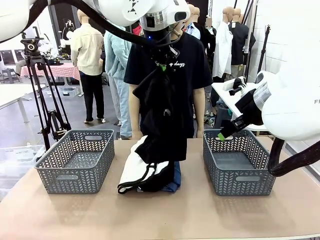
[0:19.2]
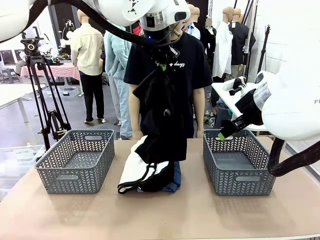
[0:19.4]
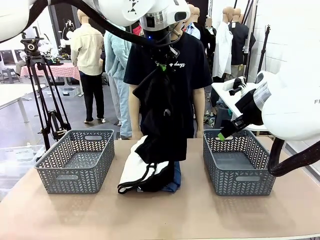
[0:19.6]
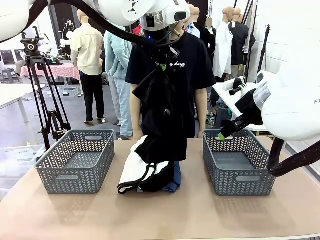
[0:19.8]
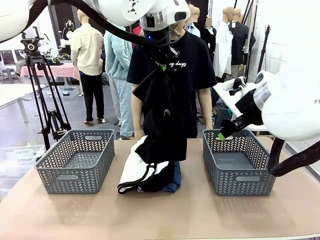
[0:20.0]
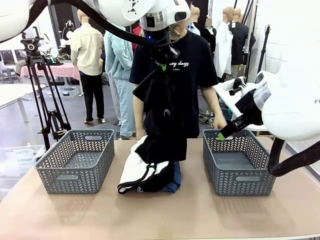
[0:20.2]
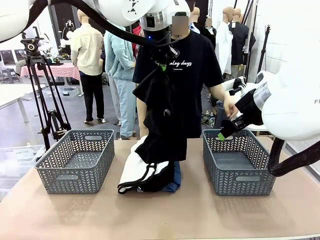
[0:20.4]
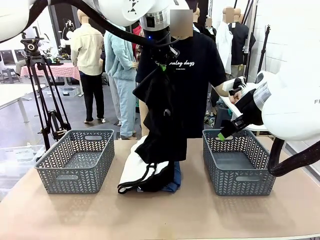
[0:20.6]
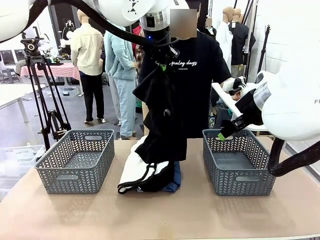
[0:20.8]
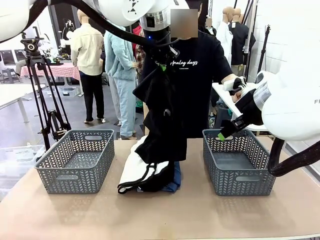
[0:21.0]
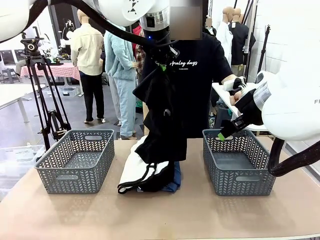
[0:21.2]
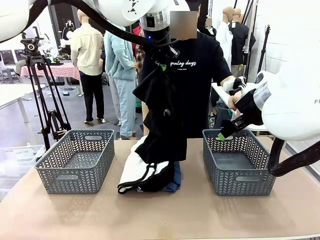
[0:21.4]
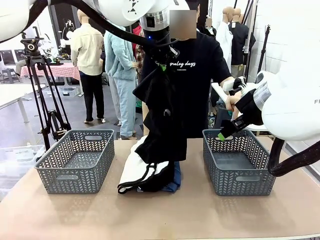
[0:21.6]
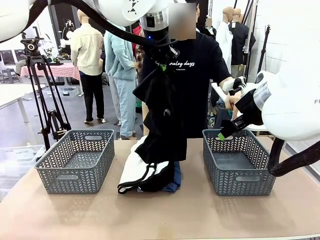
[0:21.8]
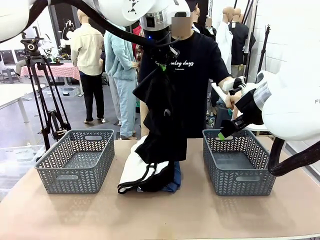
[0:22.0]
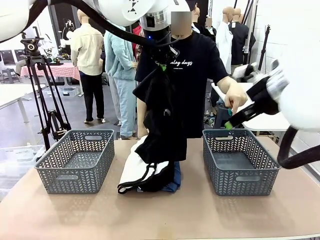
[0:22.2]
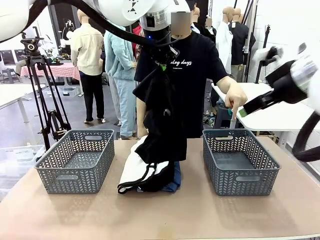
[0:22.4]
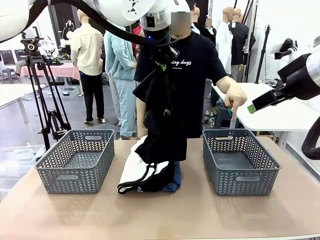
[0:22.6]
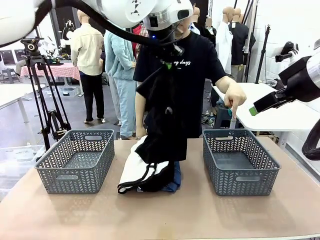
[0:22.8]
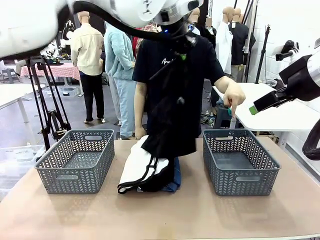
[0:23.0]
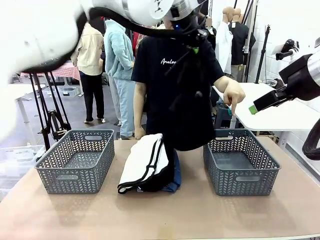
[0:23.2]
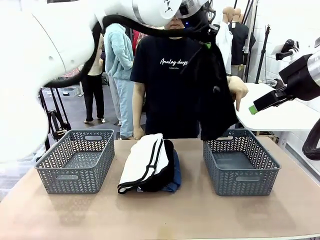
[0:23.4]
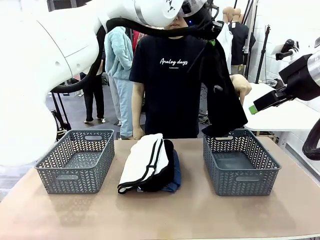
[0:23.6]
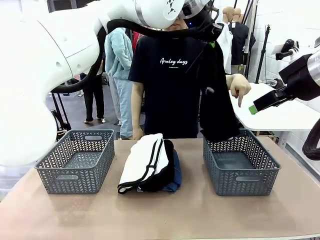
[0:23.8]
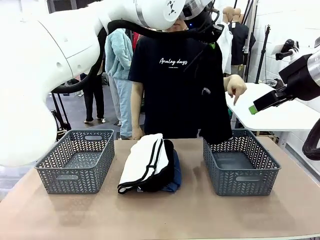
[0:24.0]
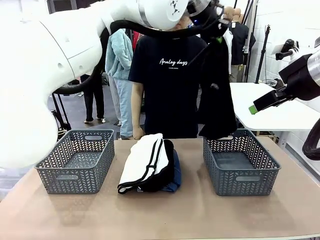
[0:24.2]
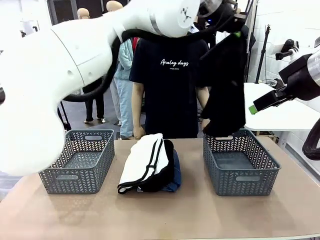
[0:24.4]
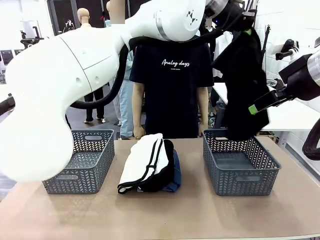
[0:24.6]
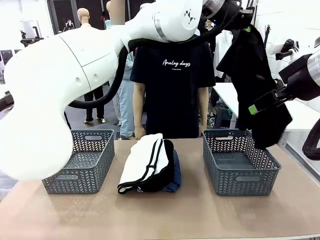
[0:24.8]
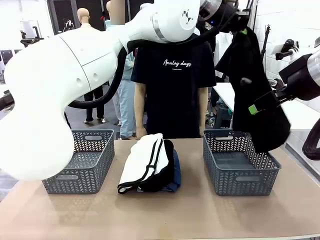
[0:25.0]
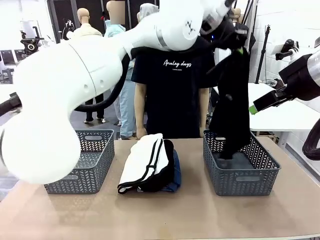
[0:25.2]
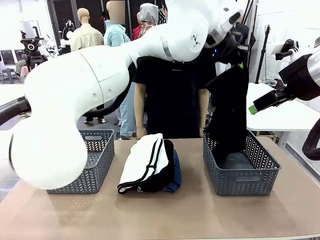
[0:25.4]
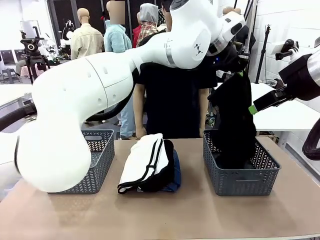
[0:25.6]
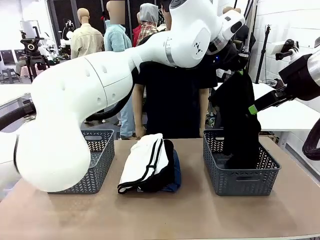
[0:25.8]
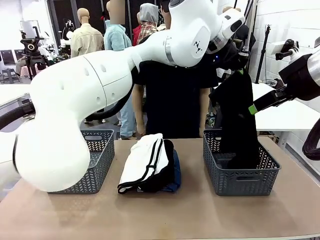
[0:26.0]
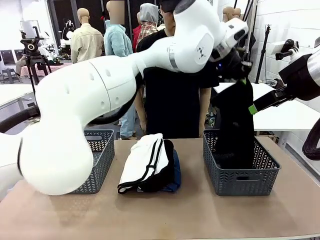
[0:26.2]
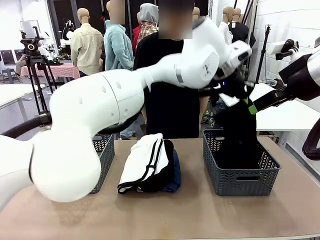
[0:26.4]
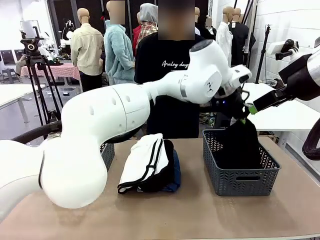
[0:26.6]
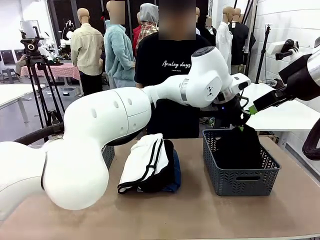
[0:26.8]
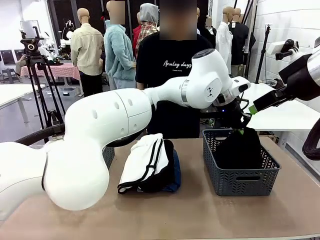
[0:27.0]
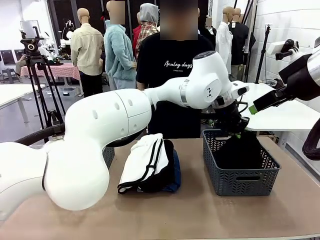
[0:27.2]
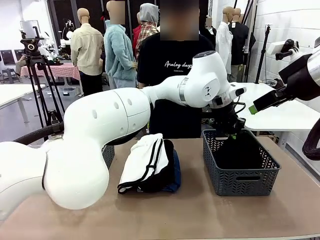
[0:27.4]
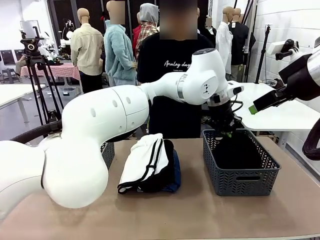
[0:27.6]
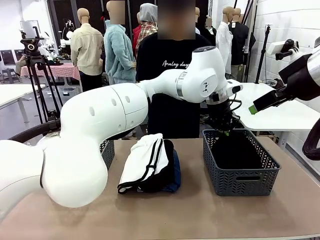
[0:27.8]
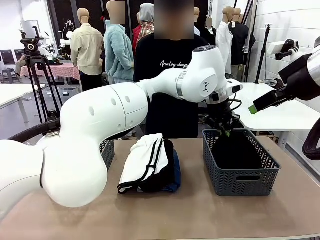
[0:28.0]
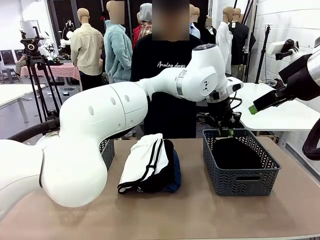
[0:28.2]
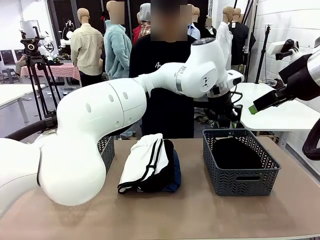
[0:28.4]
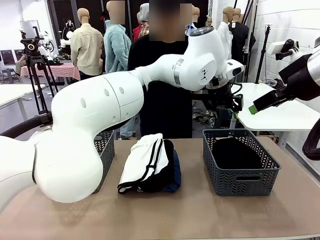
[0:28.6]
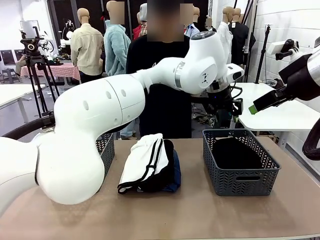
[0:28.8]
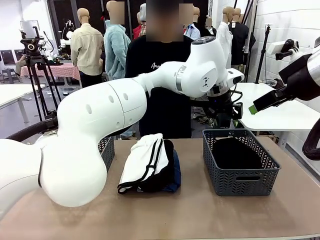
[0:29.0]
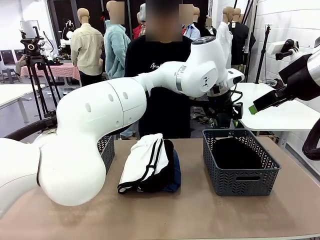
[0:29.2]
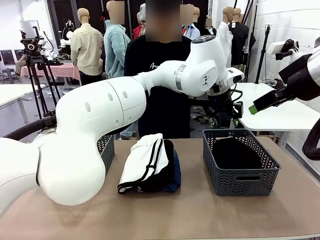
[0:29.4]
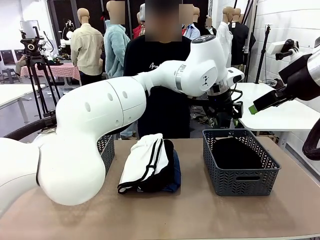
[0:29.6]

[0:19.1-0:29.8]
Task: Sort the tops and bottoms.
Robot: Sort the clothes according to human instructions.

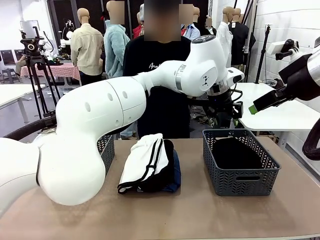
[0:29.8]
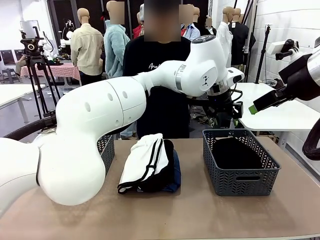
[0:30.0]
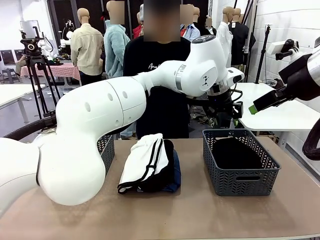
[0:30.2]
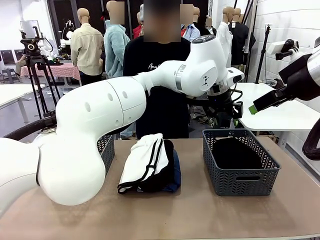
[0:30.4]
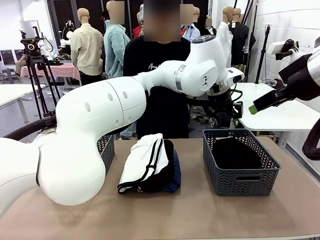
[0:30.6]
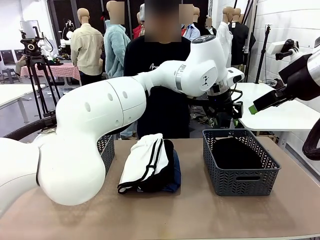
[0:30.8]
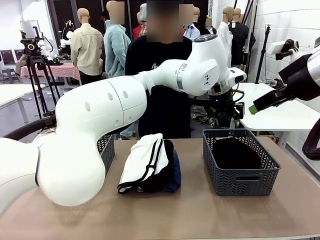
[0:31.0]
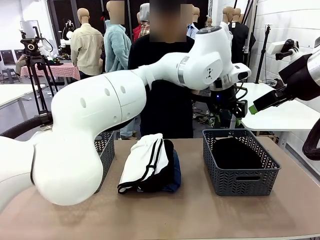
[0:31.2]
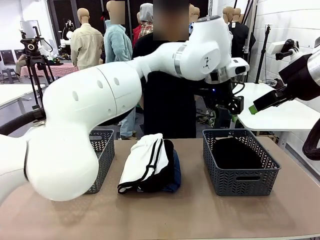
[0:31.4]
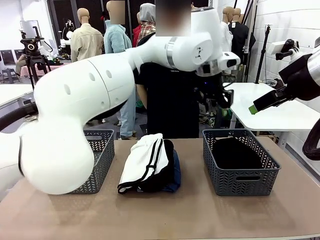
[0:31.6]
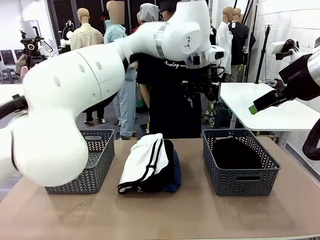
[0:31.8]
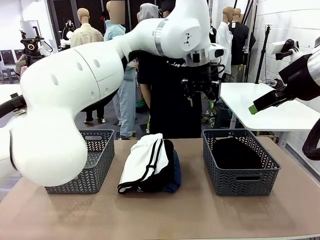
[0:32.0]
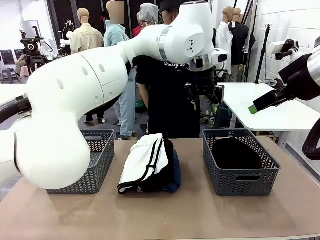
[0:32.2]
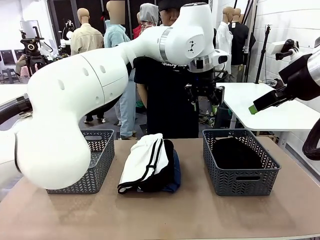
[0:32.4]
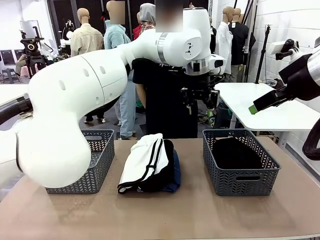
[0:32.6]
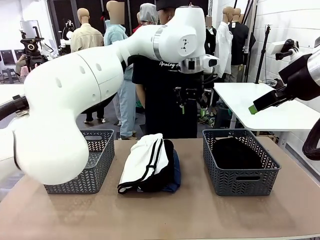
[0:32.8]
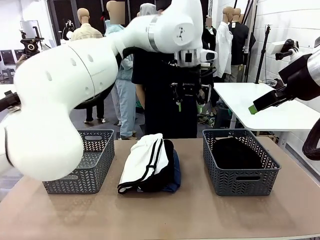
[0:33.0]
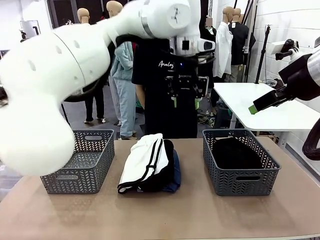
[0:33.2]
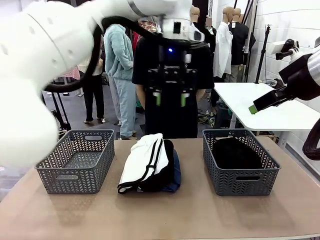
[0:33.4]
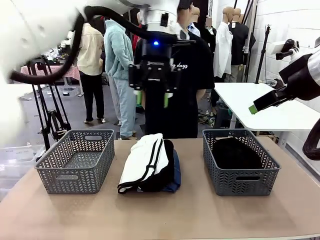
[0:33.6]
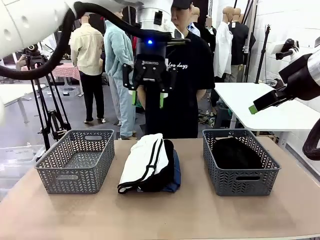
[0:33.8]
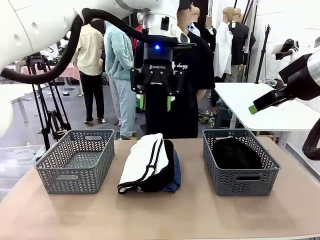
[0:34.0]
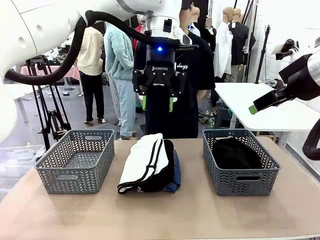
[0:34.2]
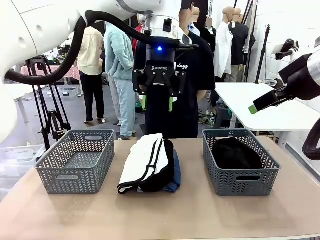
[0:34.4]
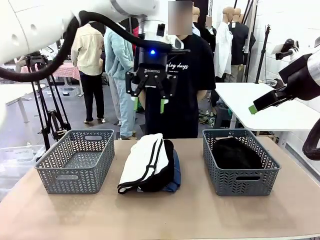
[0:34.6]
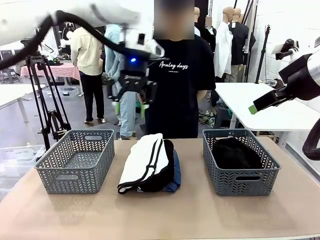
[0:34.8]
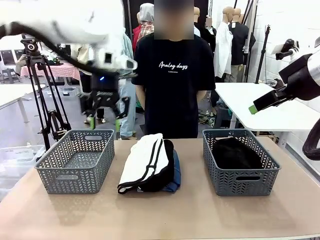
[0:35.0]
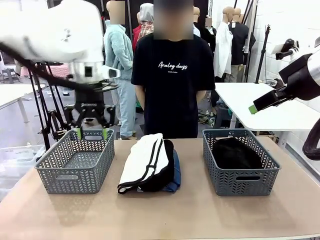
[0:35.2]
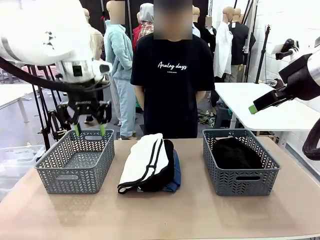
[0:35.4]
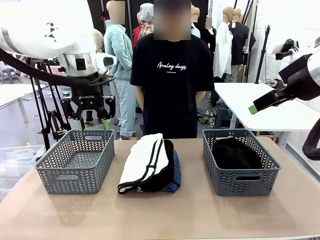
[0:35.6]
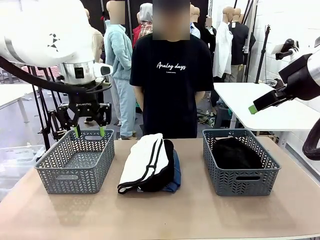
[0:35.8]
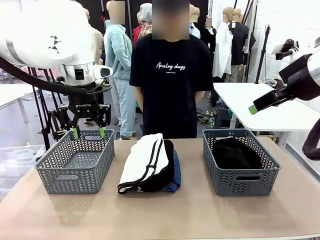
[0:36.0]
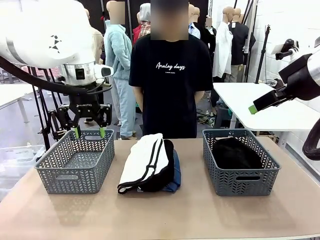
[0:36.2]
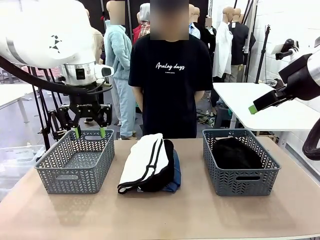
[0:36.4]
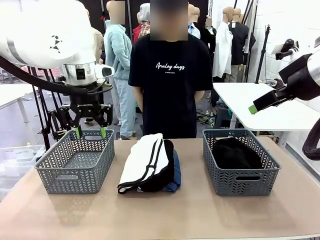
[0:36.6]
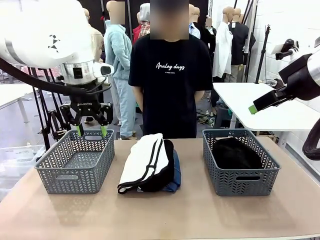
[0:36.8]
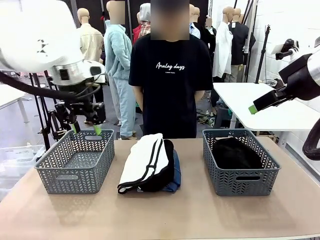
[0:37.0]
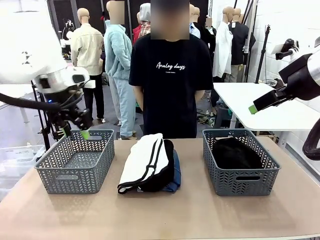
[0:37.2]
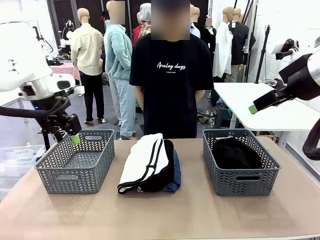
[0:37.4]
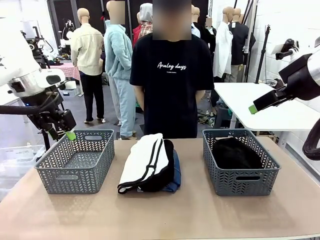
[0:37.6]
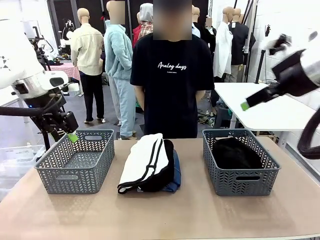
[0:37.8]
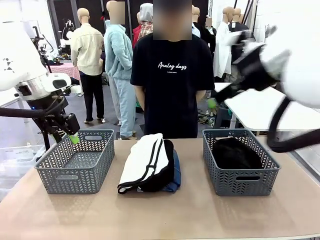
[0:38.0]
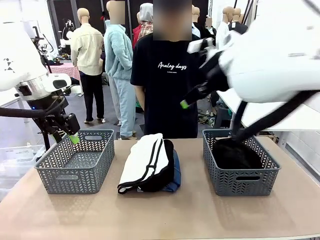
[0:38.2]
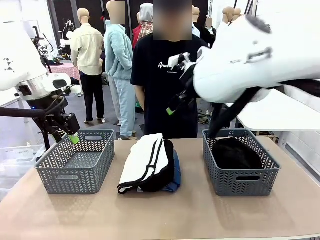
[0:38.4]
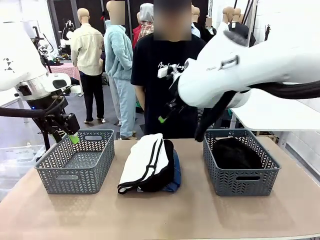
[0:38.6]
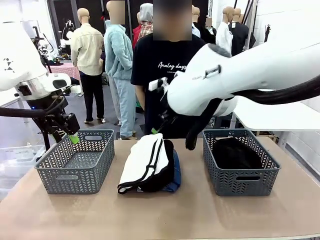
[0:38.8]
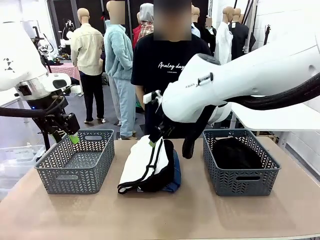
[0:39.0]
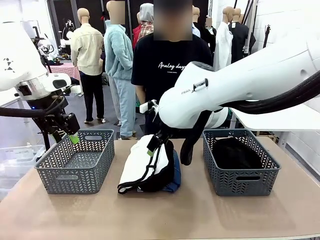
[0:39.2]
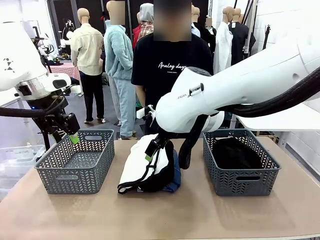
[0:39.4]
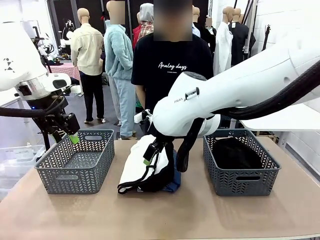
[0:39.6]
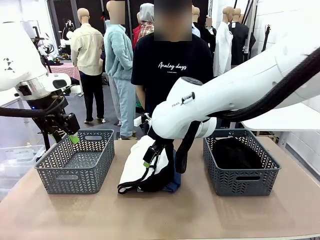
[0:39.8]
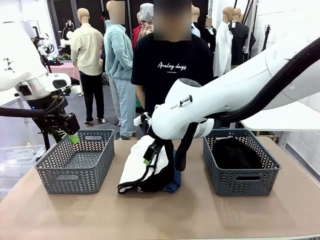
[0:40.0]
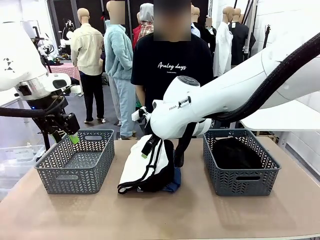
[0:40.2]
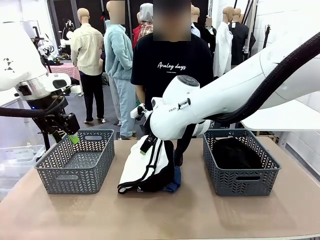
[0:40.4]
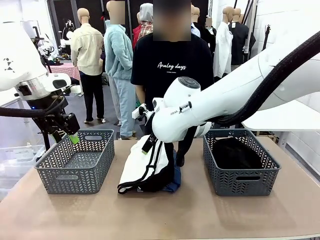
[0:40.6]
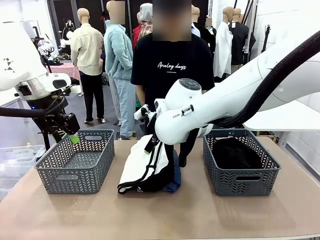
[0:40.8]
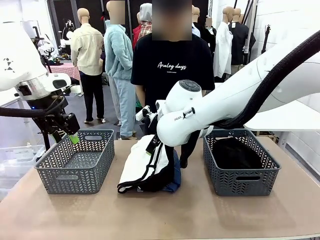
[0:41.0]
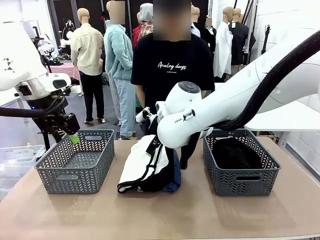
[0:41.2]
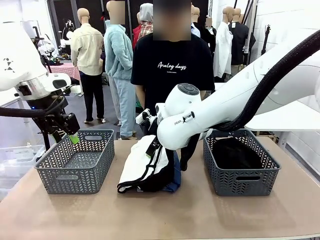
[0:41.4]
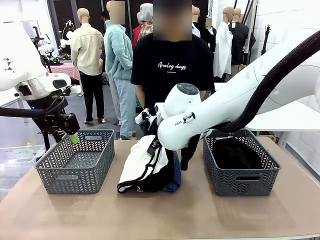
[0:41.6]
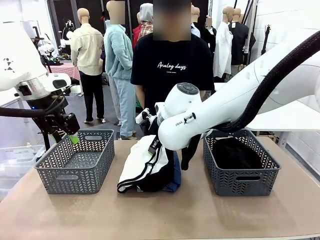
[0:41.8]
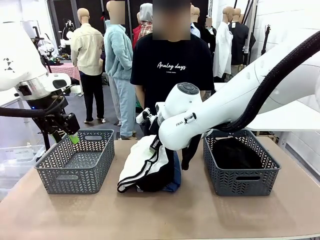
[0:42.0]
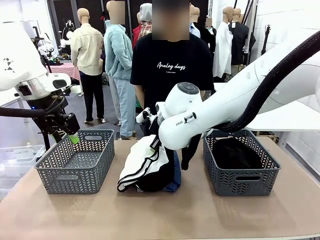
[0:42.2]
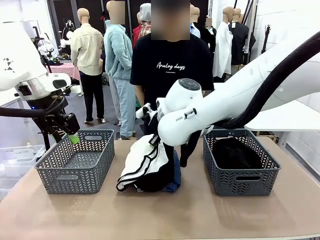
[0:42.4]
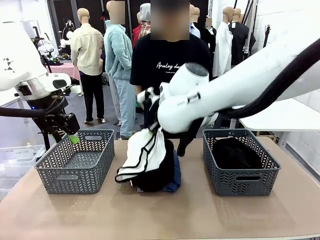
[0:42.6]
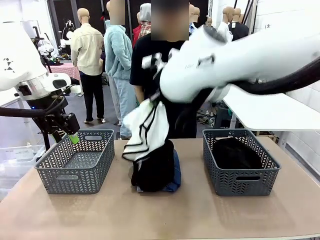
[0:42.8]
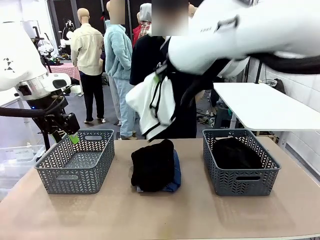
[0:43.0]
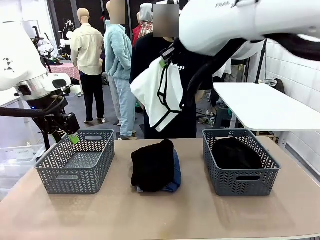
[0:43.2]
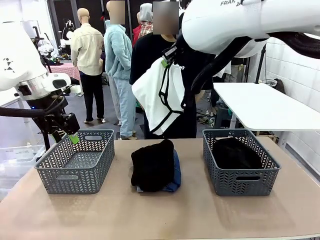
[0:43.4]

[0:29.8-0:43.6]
Robot: Lift clothes from the center of the table with your right hand.
